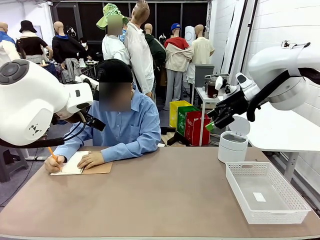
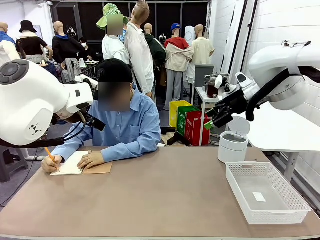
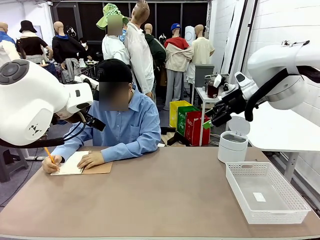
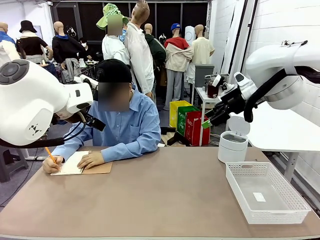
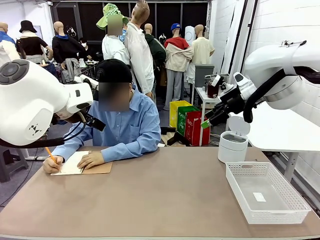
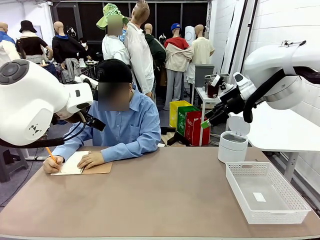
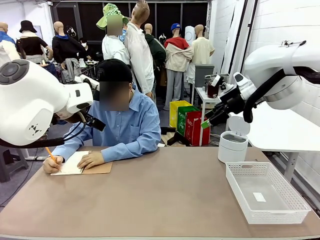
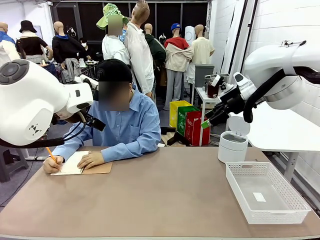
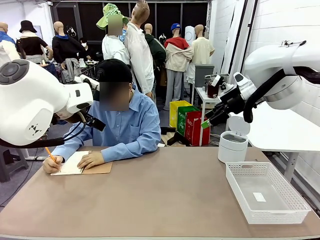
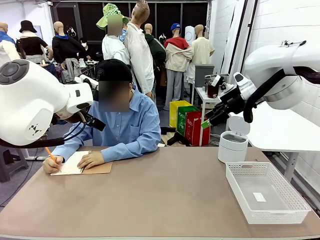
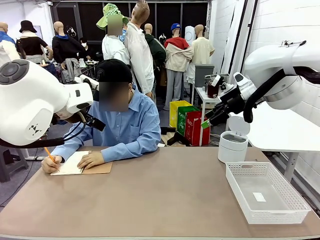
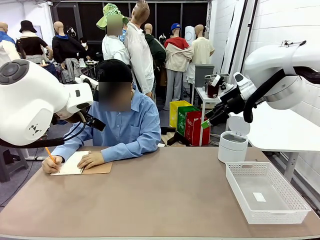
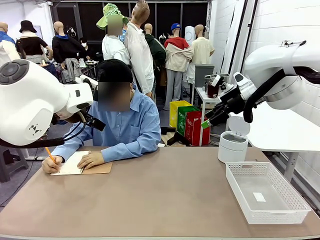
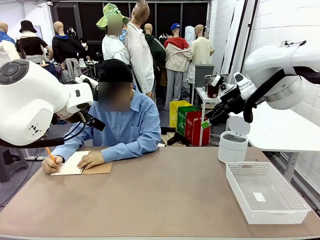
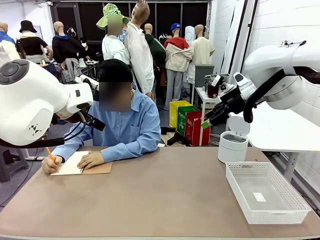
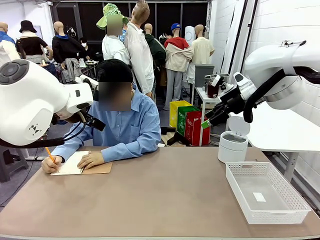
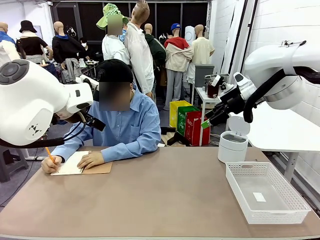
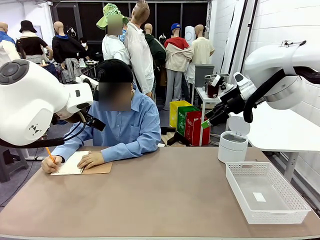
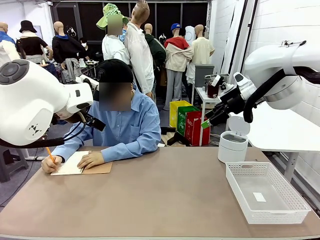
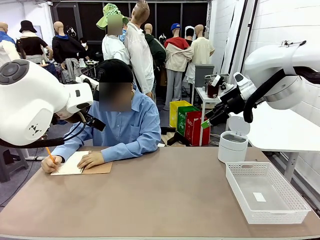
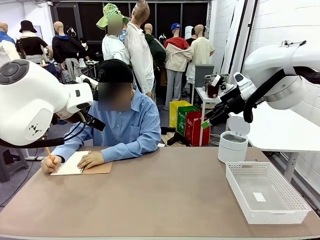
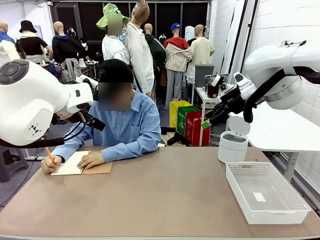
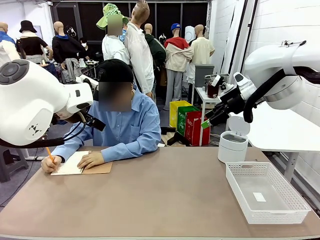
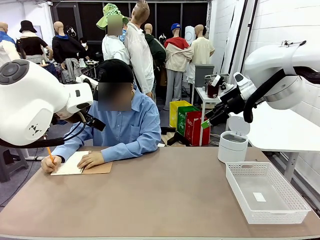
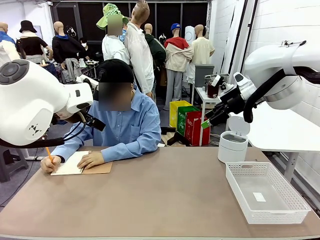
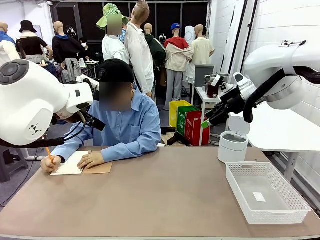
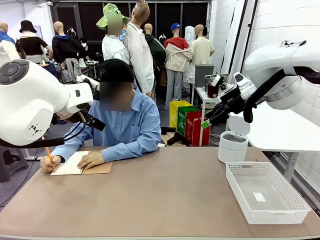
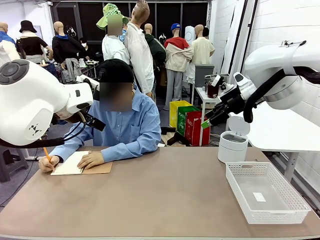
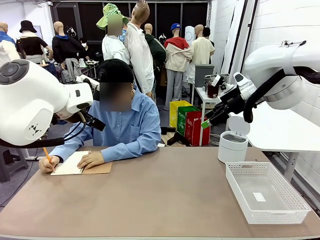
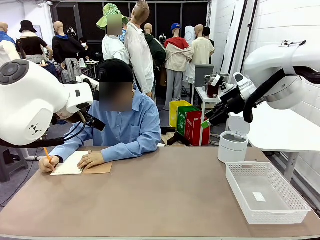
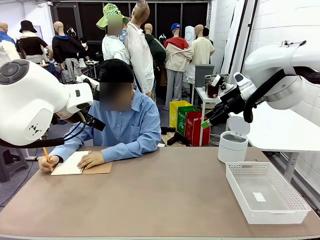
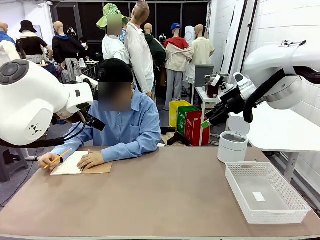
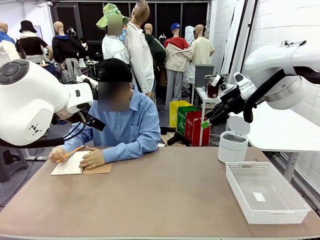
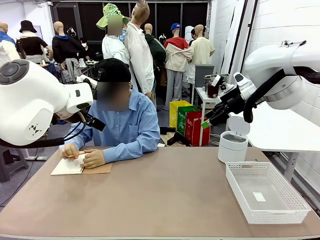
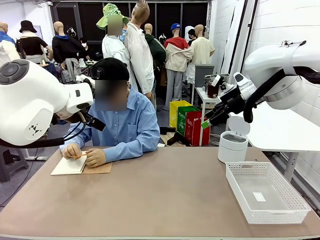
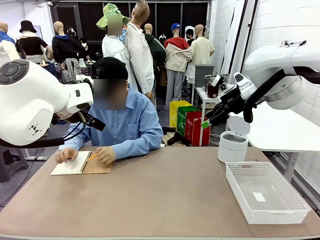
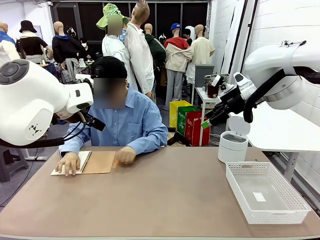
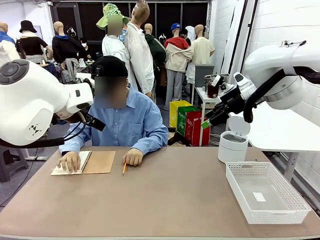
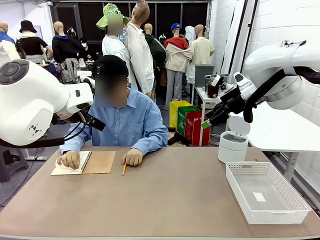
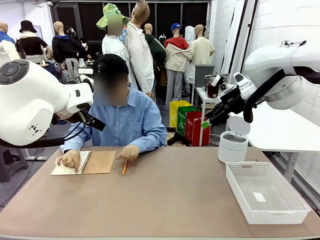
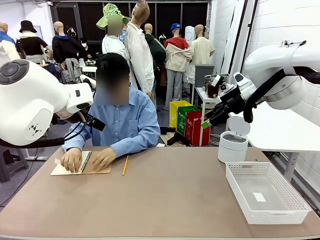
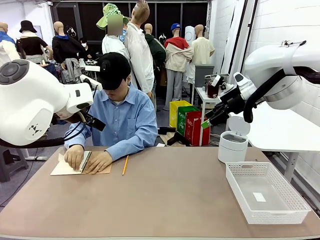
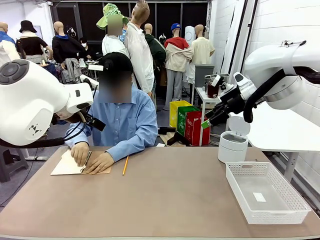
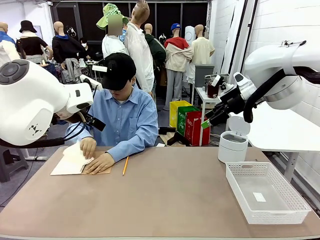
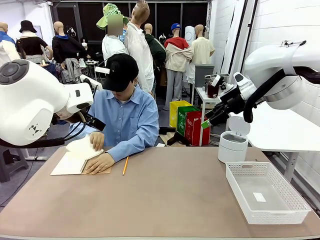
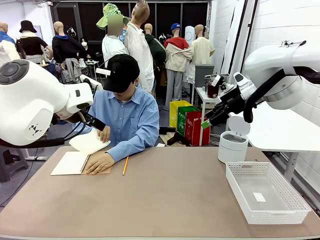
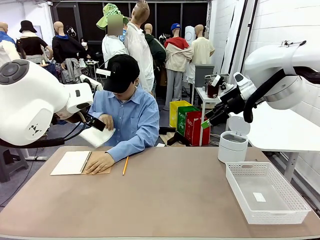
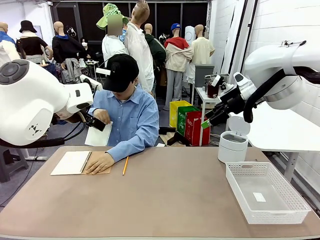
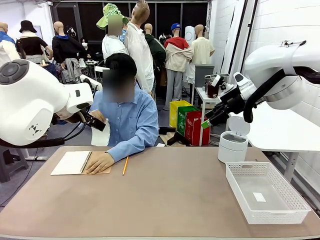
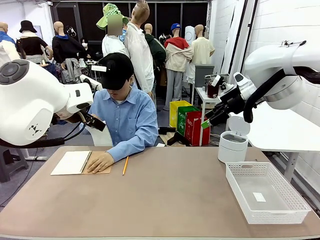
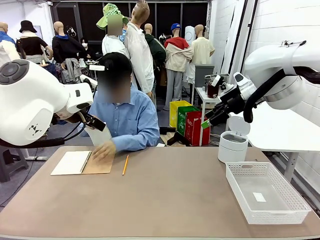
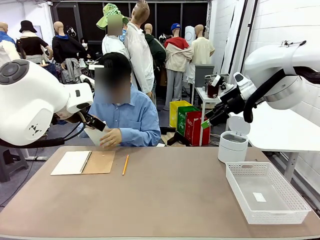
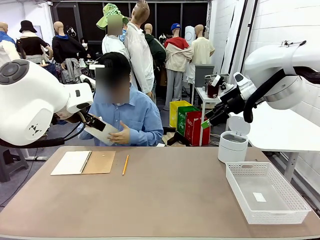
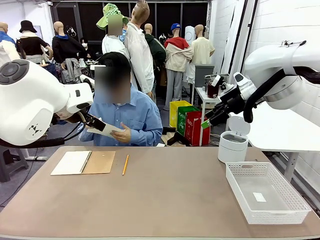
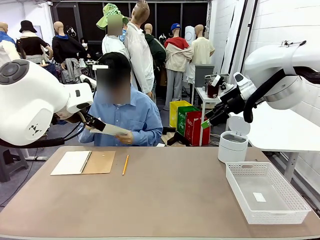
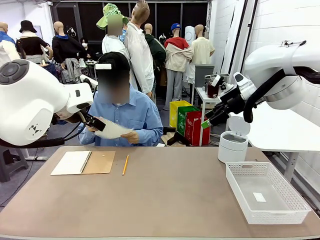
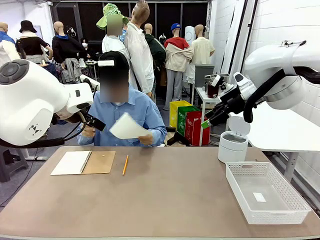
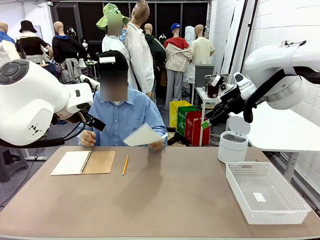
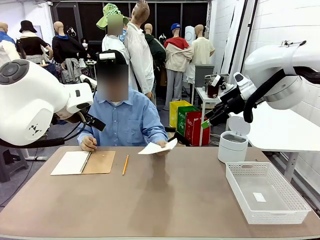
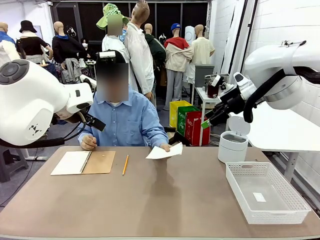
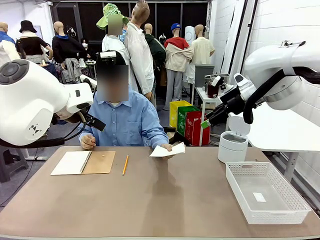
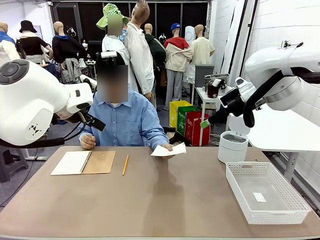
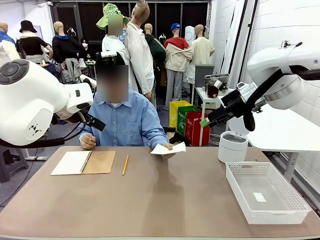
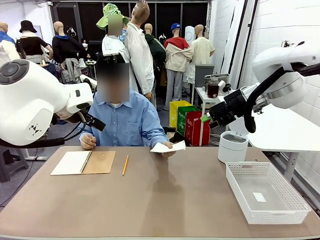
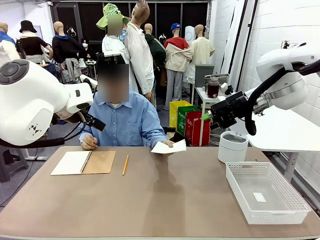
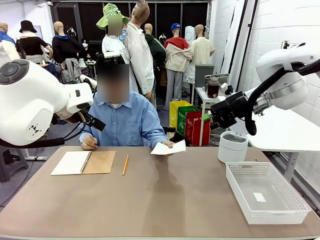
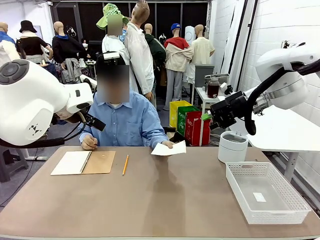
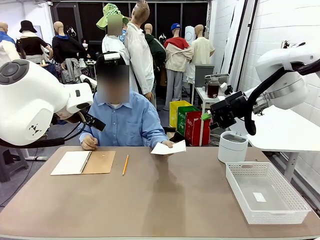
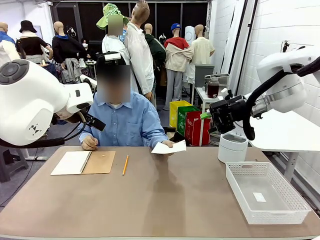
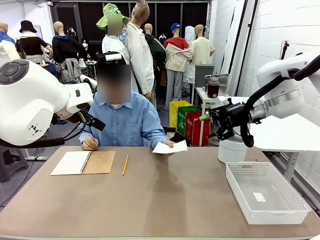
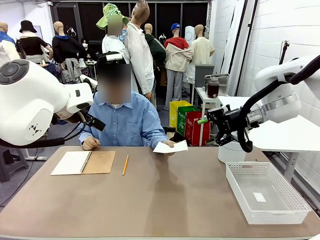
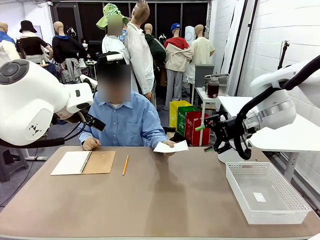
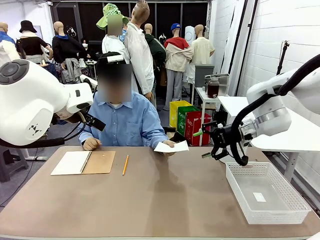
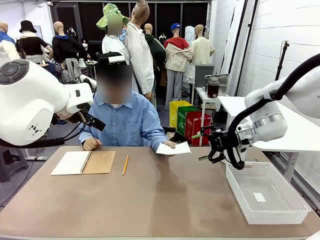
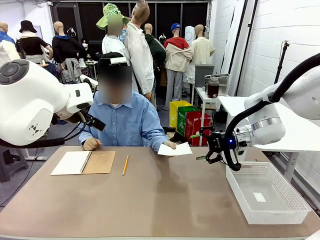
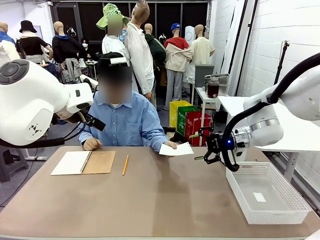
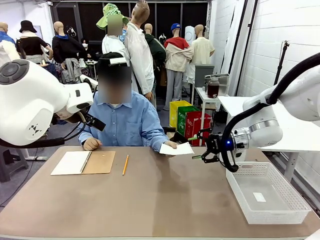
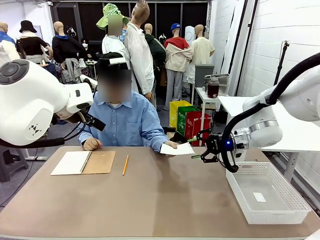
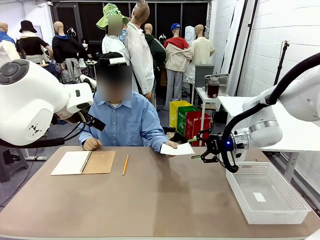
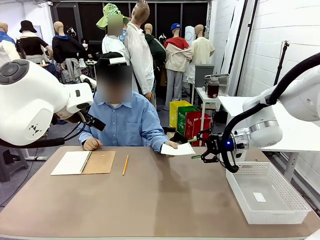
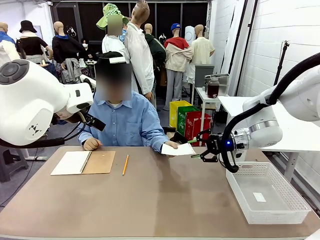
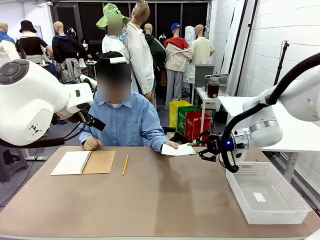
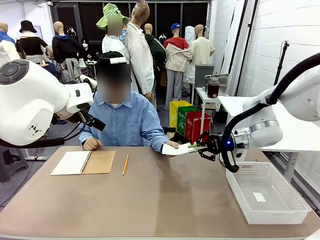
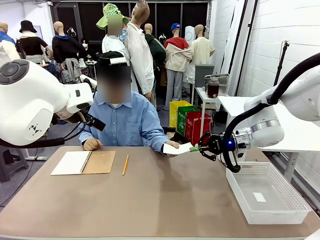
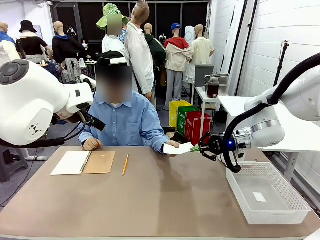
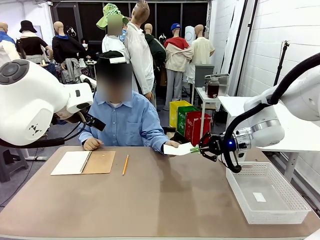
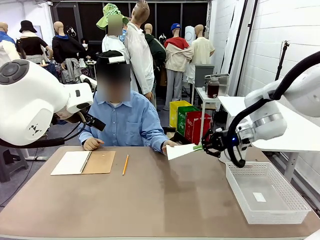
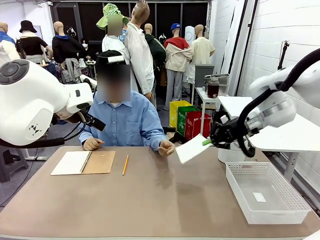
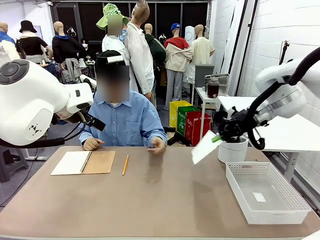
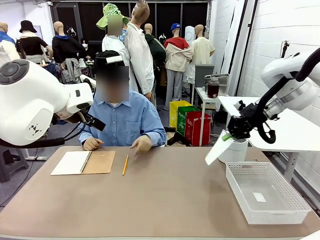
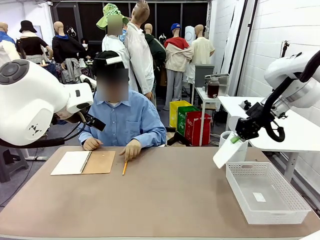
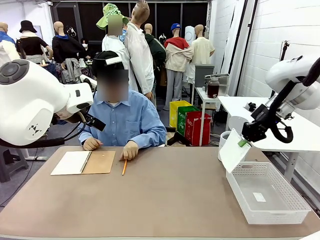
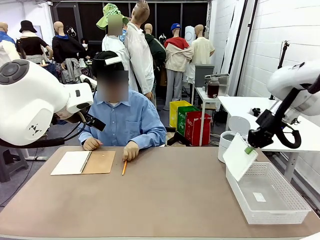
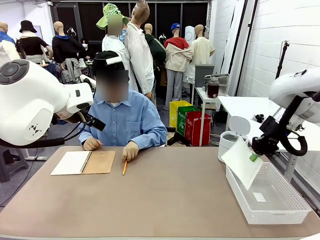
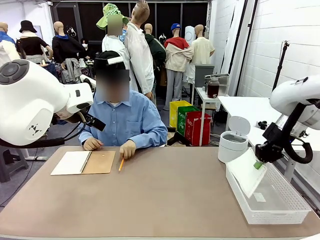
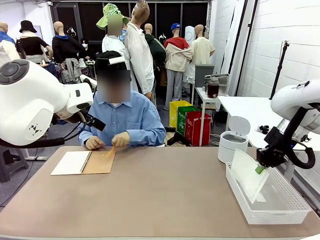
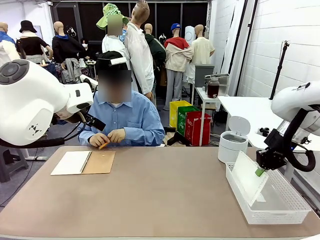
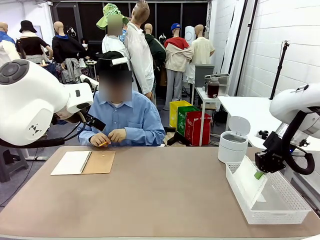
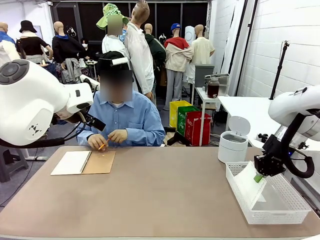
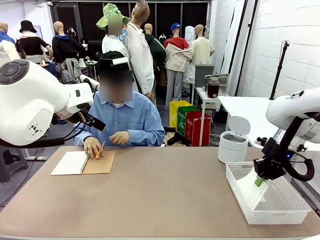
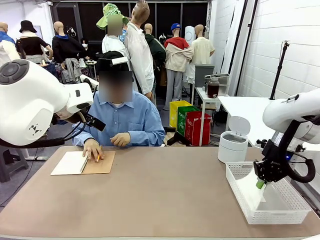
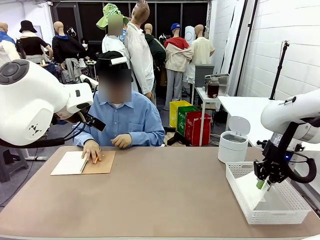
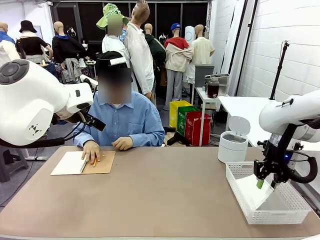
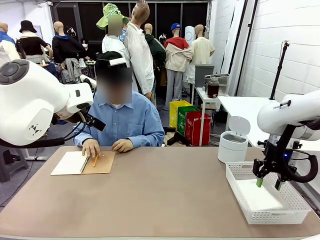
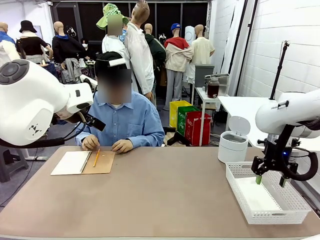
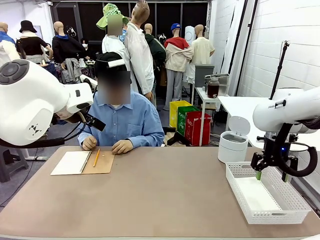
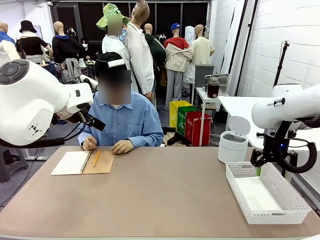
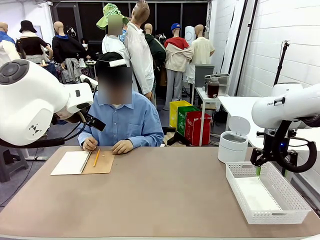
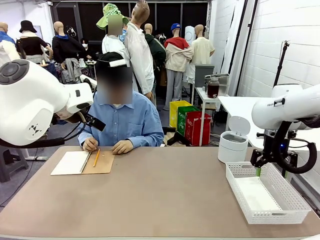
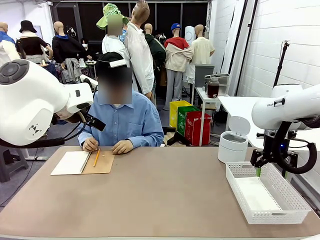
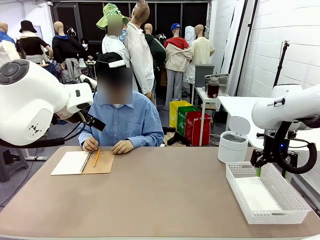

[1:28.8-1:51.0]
Task: Sort the paper based on its condition.
Robot: If a person hands you a paper, place it in the Organizing basket , and if it's crumpled, put it in the Trash can.
Person: Hand the torn page to the robot or crumple it and throw it to the center of the table.
